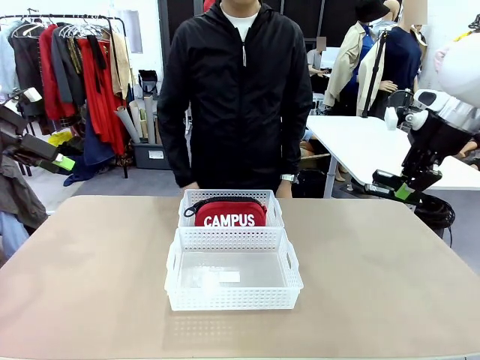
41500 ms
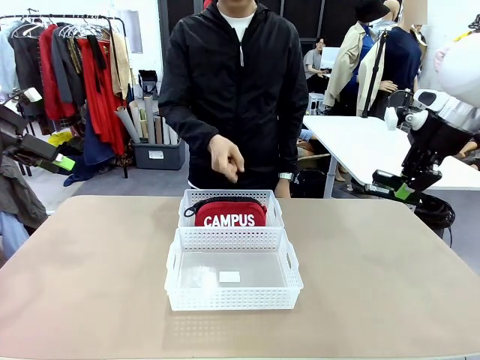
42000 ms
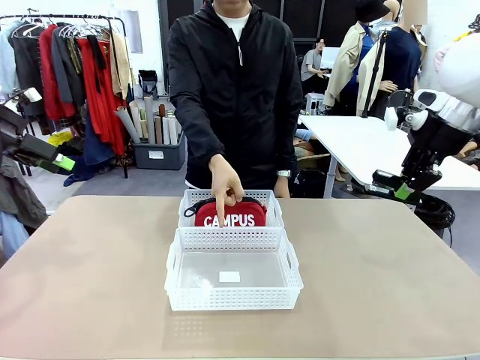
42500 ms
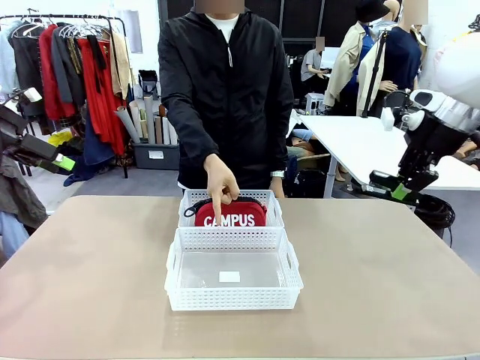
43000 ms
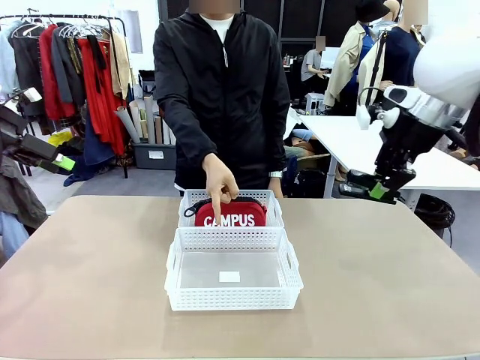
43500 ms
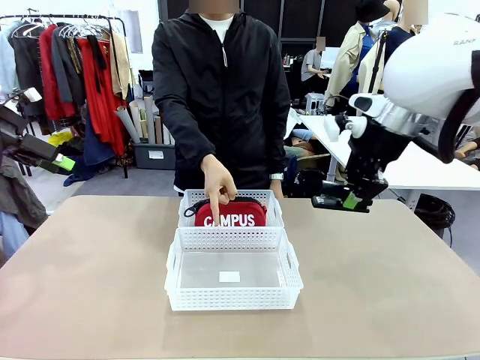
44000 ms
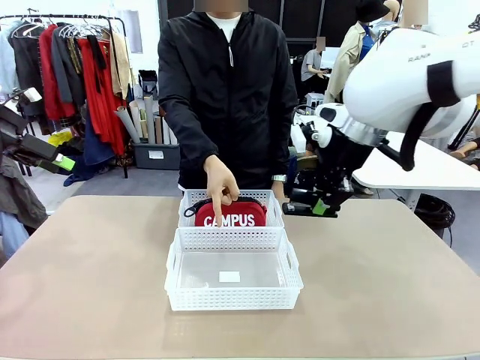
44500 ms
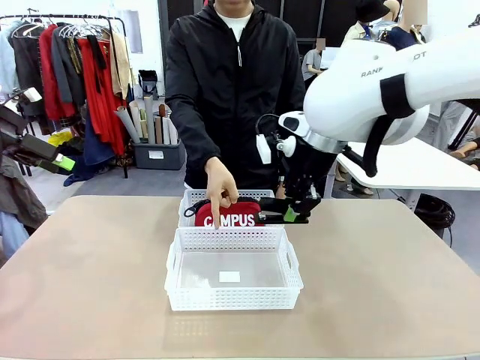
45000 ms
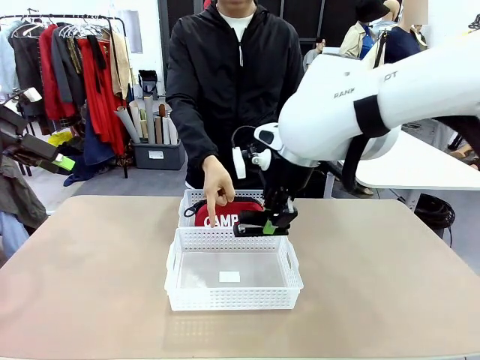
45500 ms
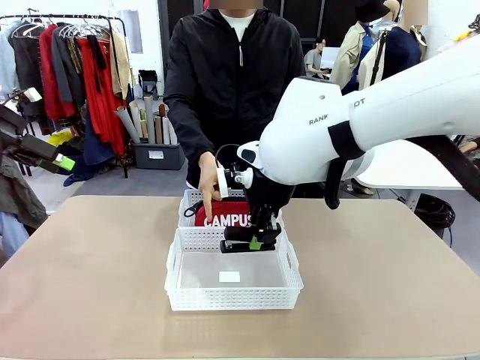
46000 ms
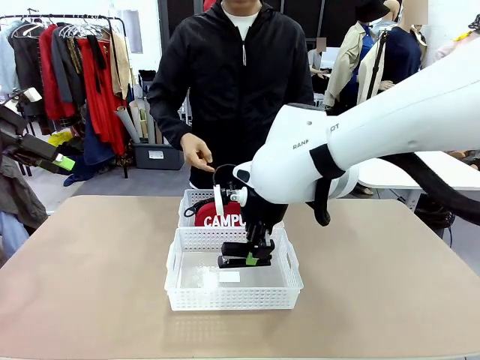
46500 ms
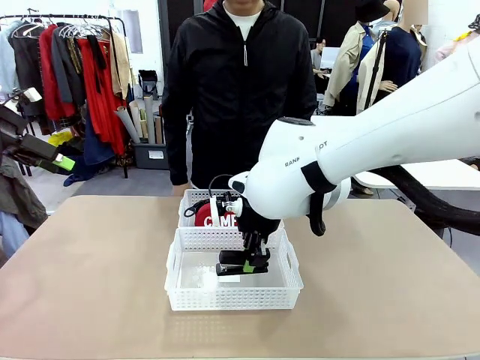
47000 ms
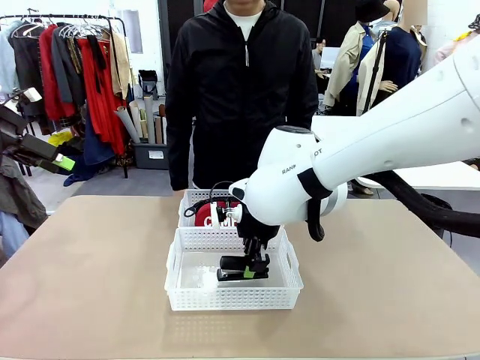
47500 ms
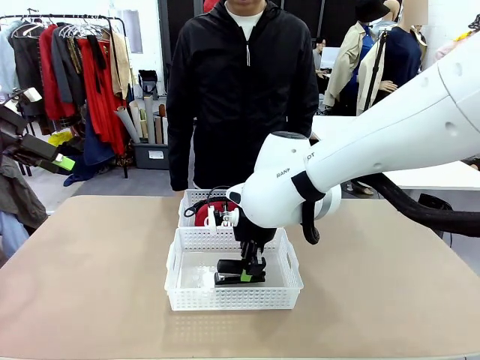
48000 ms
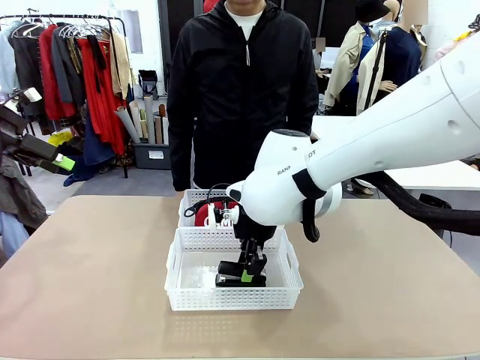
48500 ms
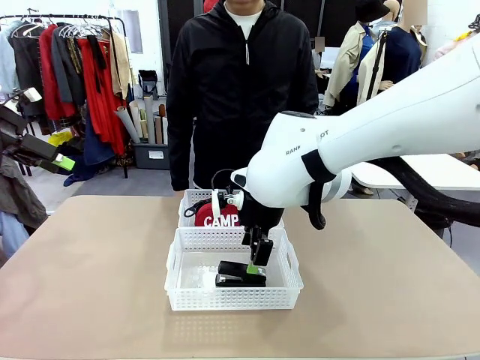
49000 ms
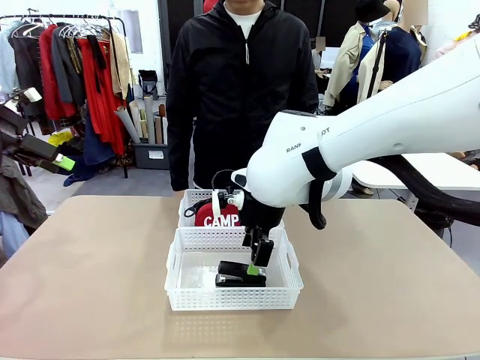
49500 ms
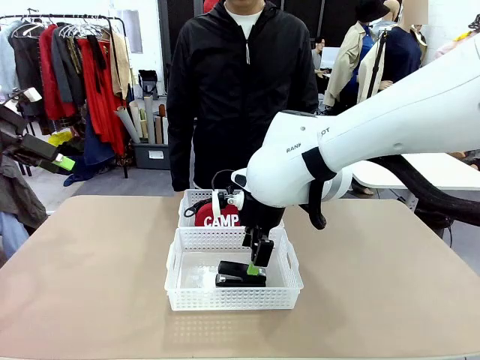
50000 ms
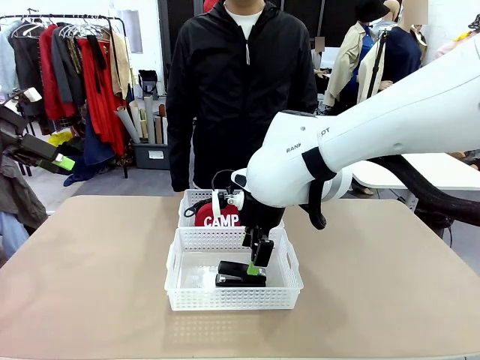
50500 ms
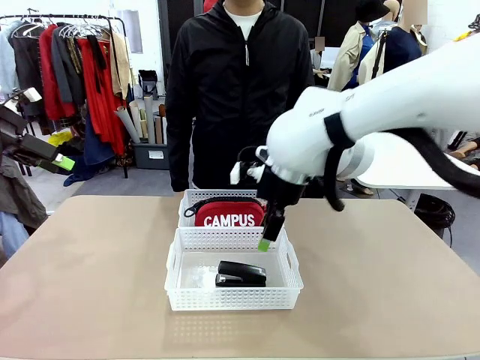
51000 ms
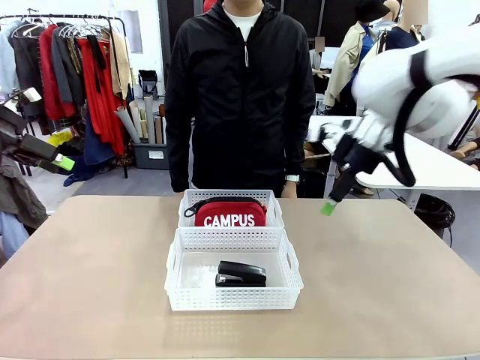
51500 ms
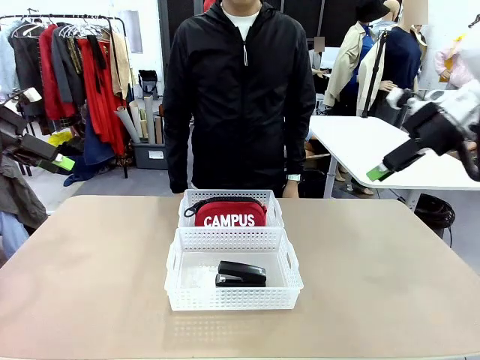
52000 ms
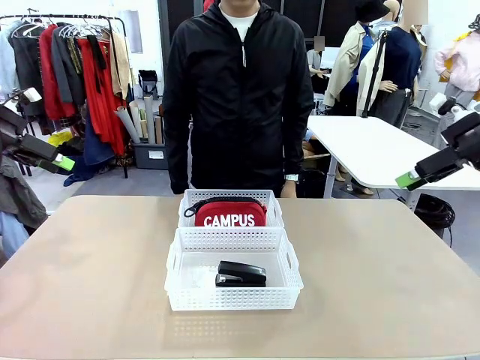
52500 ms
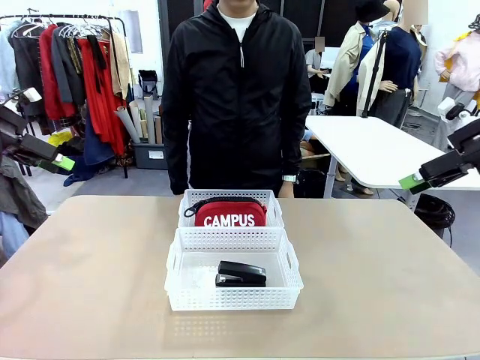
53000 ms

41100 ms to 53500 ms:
Task: Distribute items into two baskets.
Robot: Place the picked Stapler into the Organizing basket as instructed by the person.
Person: Points to the basket that does not contain the pencil case and instructs the robot to move the stapler there.

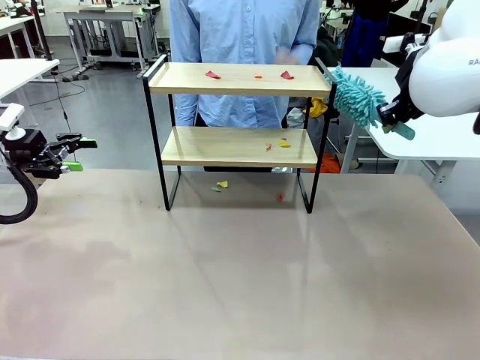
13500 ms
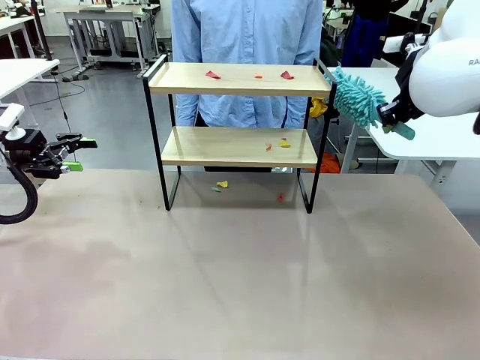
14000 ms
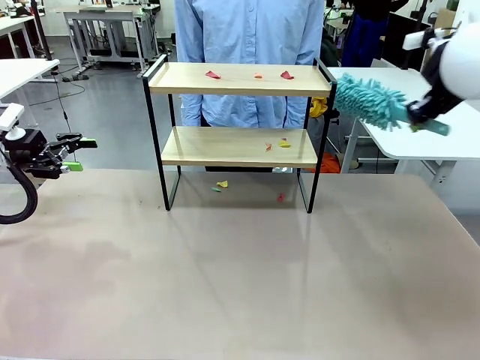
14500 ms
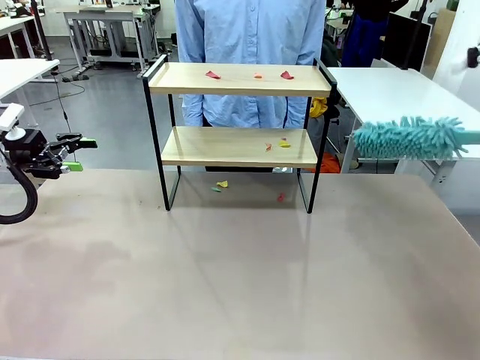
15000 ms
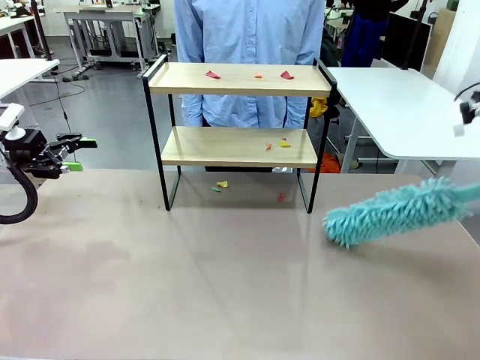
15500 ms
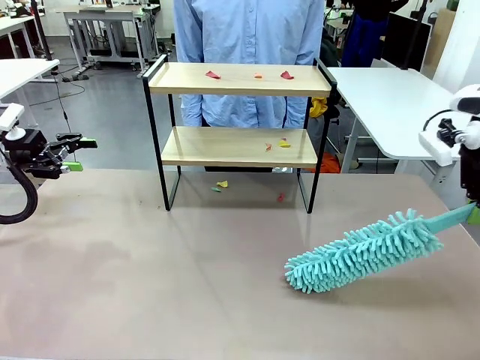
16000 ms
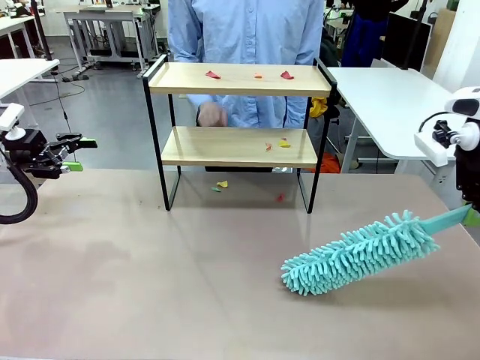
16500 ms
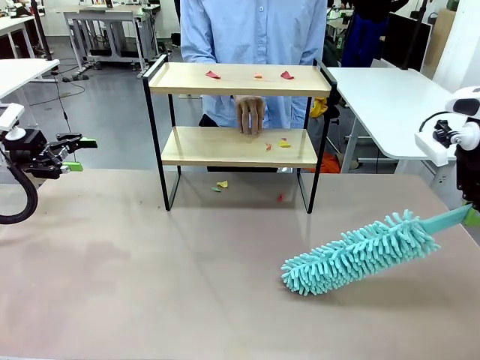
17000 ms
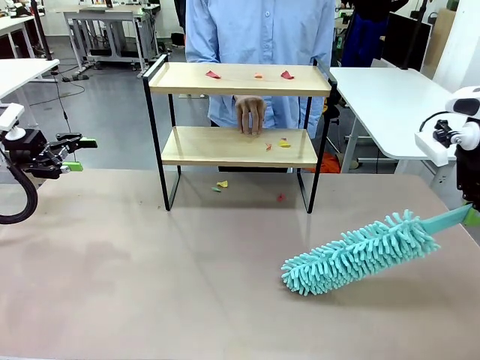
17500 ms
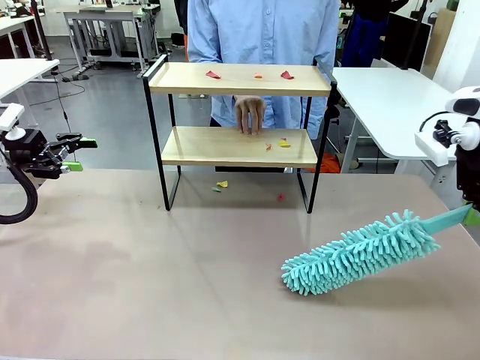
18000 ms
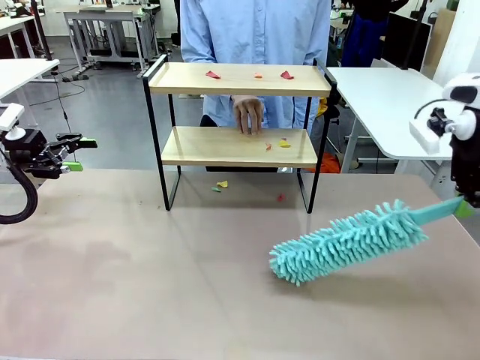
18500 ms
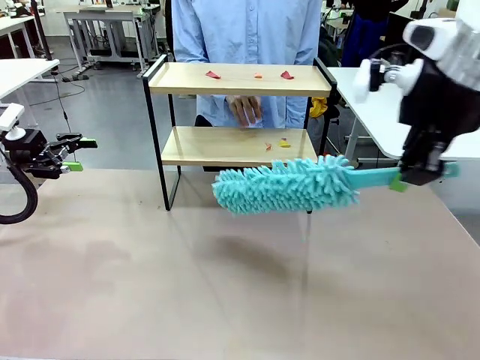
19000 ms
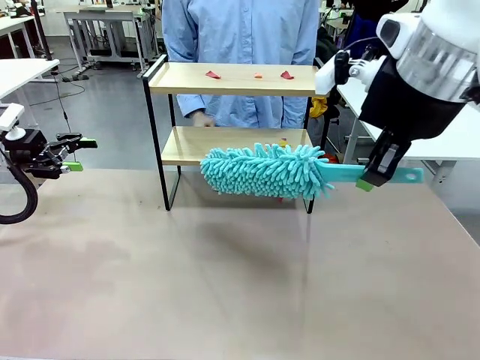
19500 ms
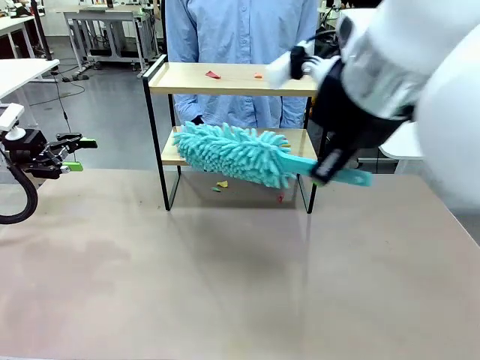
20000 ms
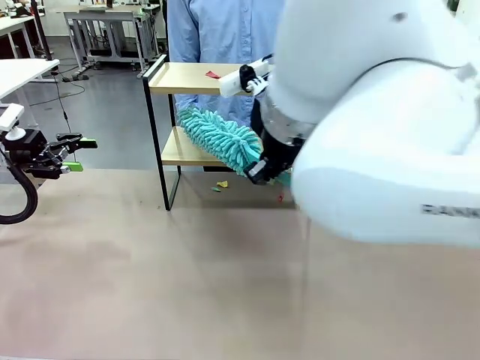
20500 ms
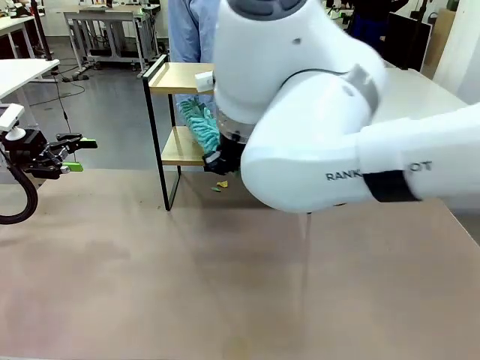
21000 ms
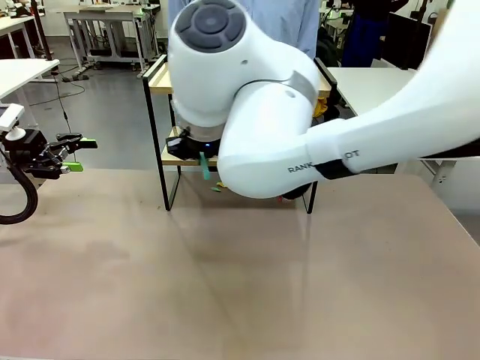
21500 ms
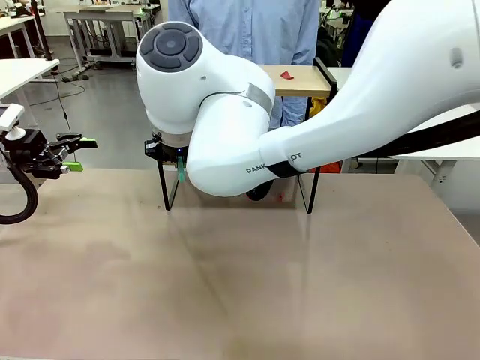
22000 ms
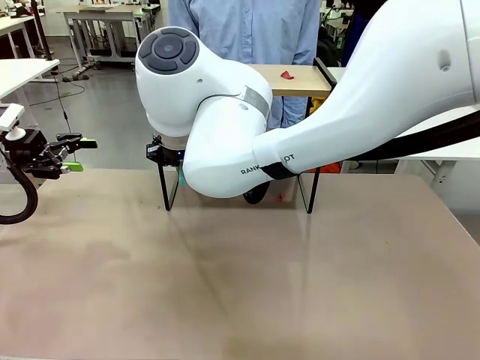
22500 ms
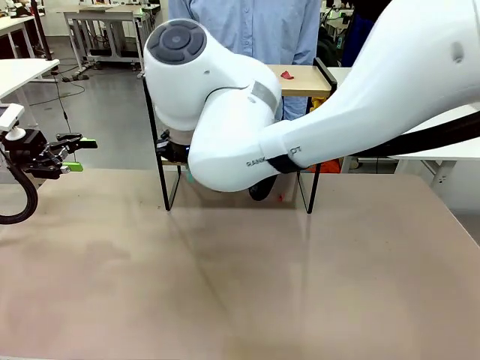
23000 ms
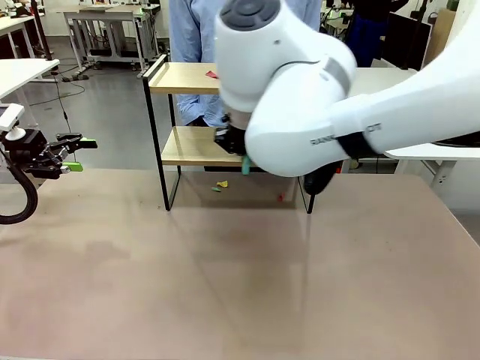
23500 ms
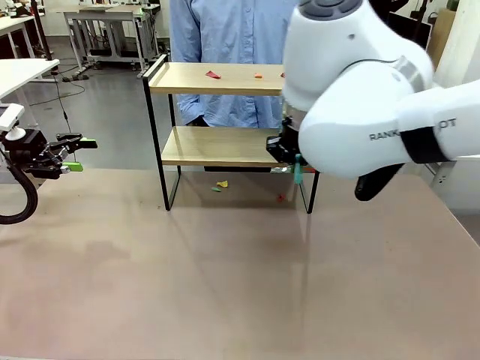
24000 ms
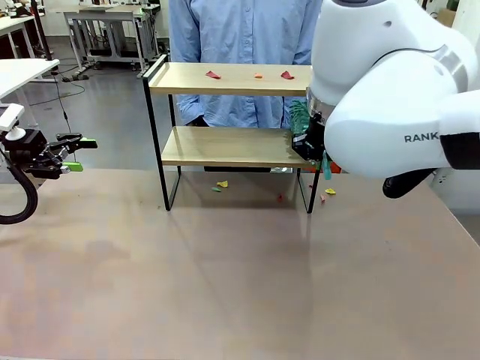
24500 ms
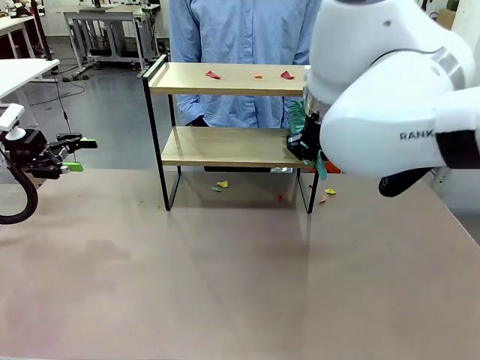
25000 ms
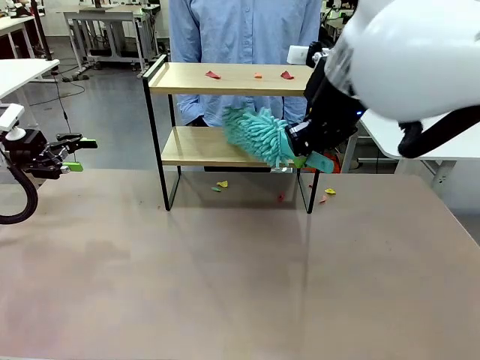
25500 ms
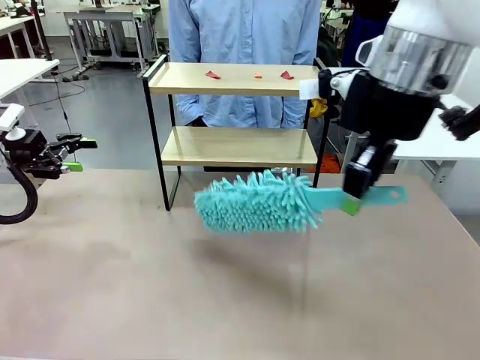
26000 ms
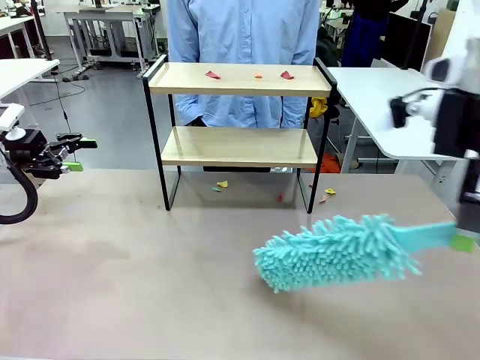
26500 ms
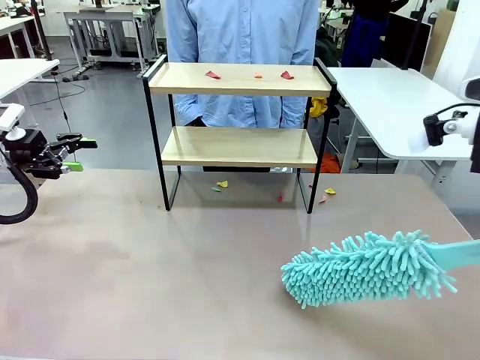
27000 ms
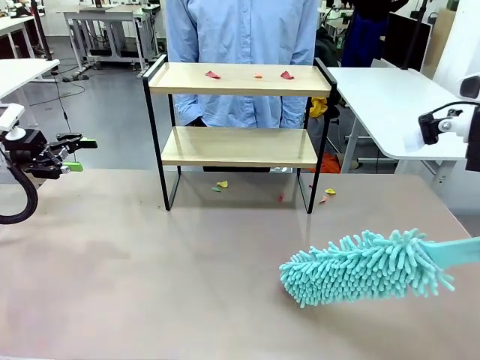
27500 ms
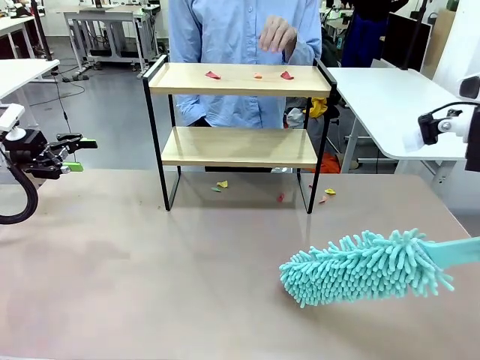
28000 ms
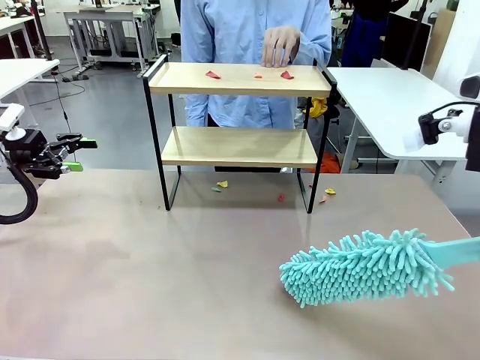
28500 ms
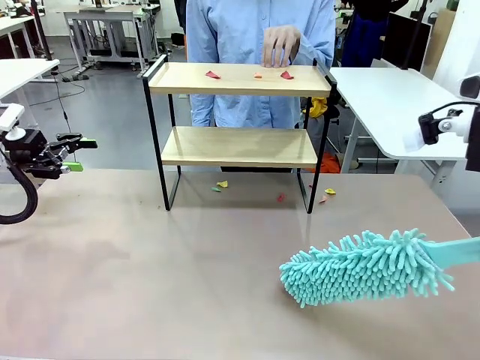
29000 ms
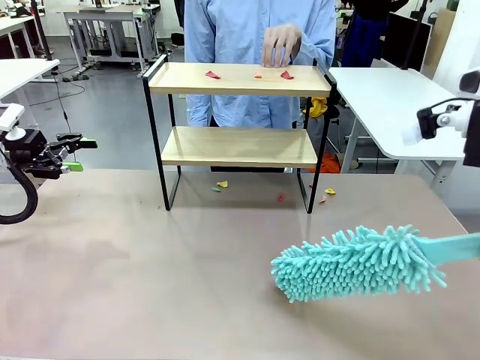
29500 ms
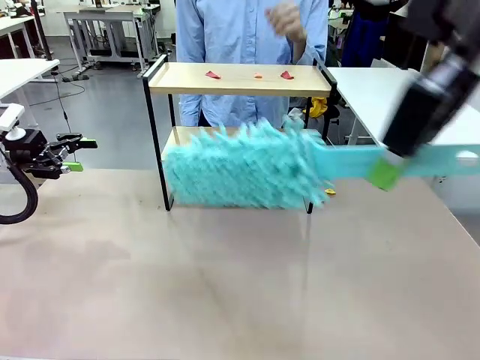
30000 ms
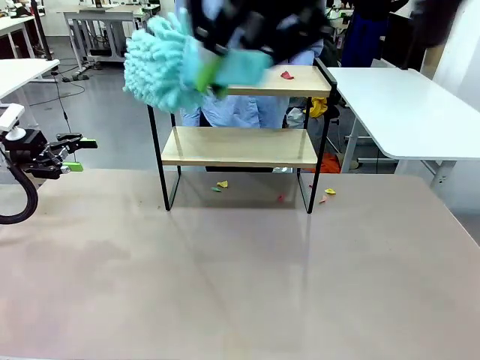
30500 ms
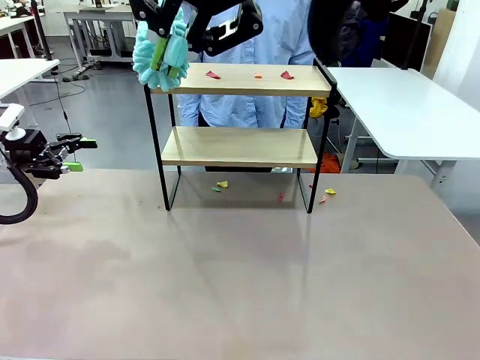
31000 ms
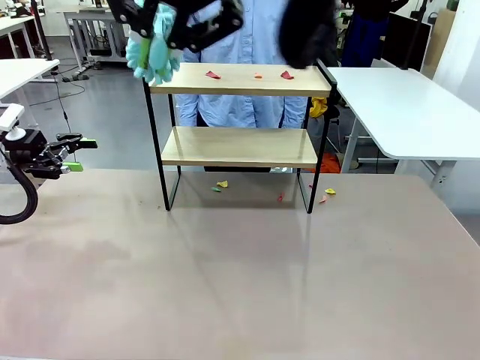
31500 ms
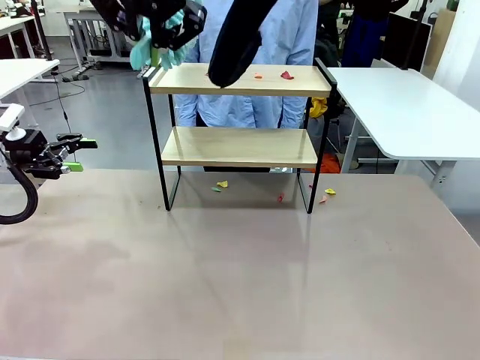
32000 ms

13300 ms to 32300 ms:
Task: Clean the shelf.
Robot: Clean the specific section of the Shelf indicated by the human with the Duster.
Person: Point a random section of the Shelf.
